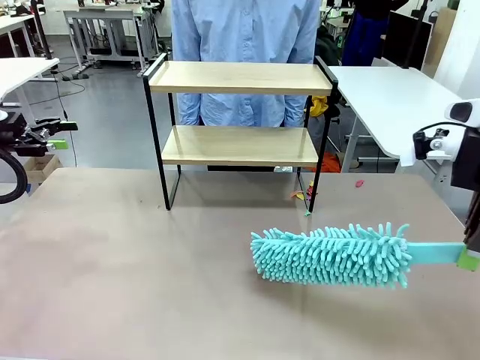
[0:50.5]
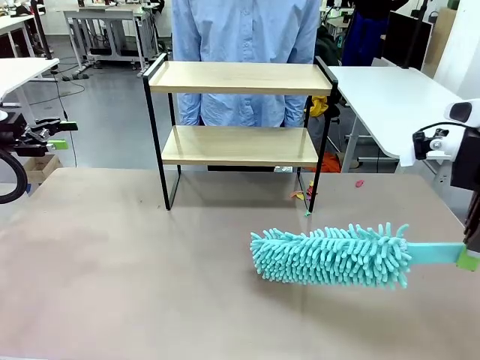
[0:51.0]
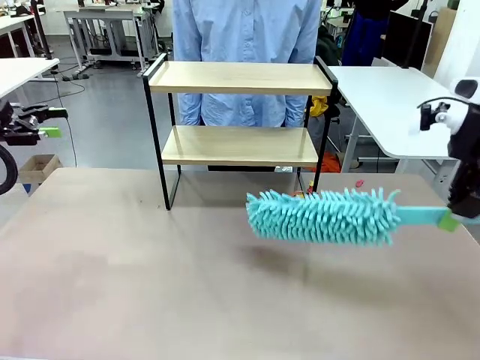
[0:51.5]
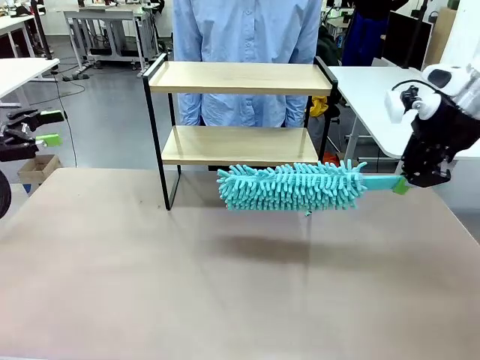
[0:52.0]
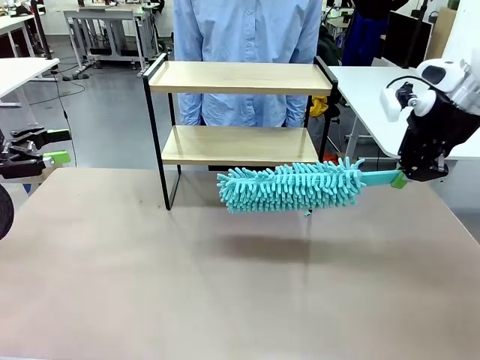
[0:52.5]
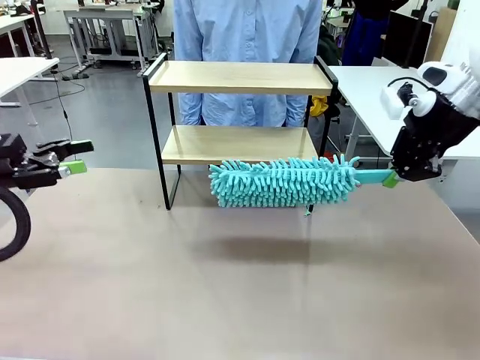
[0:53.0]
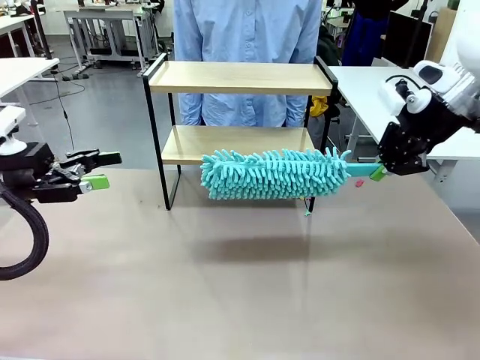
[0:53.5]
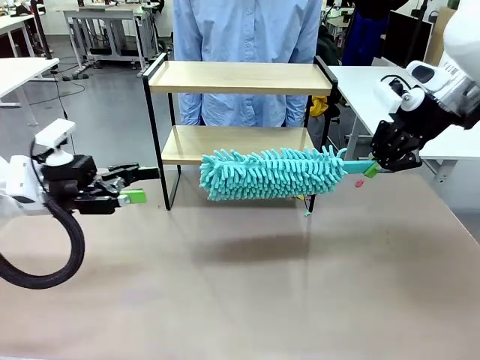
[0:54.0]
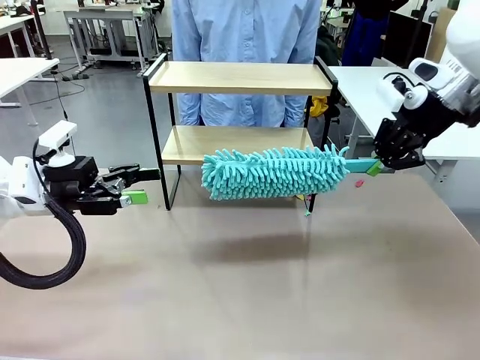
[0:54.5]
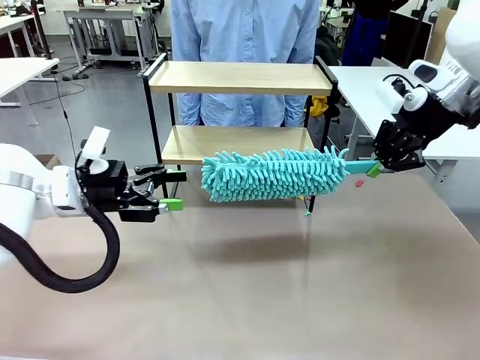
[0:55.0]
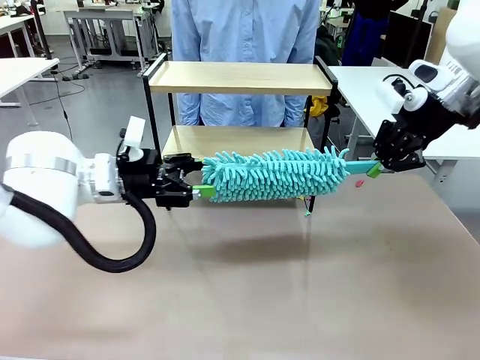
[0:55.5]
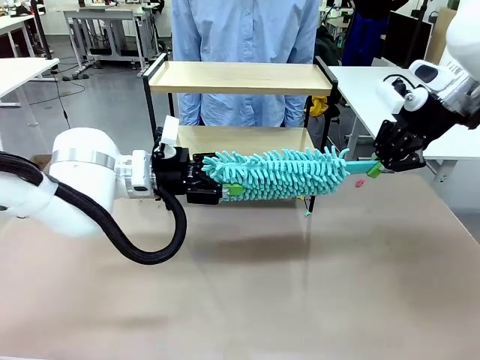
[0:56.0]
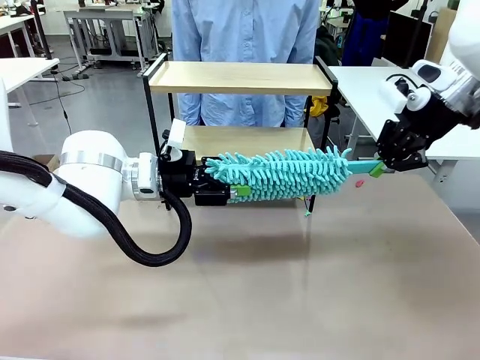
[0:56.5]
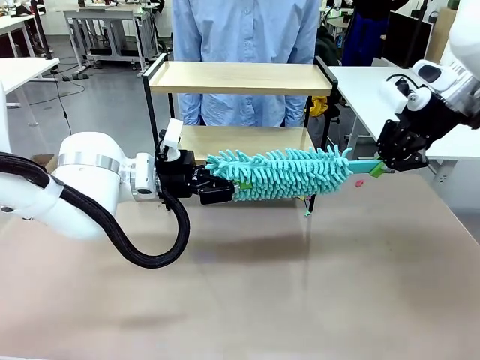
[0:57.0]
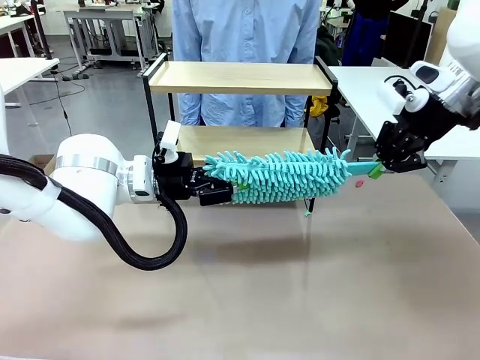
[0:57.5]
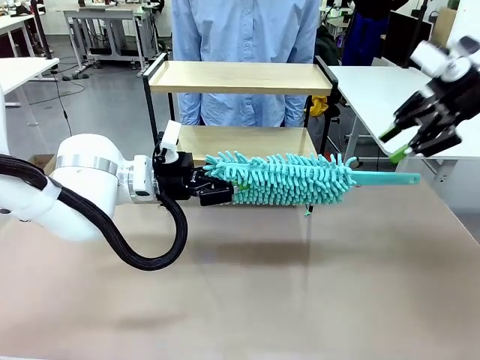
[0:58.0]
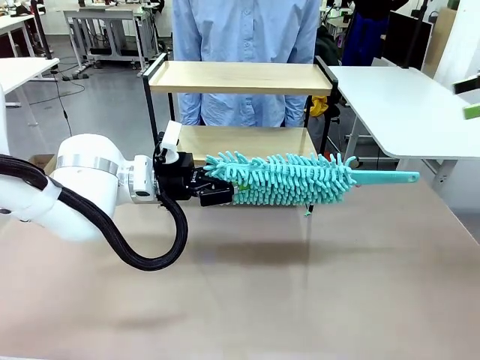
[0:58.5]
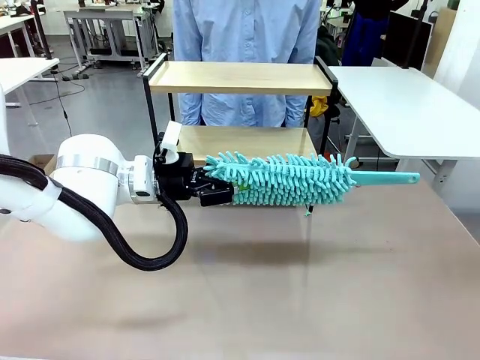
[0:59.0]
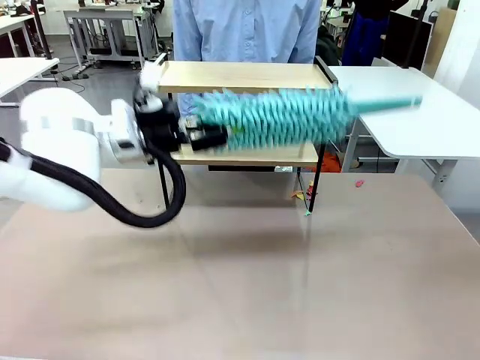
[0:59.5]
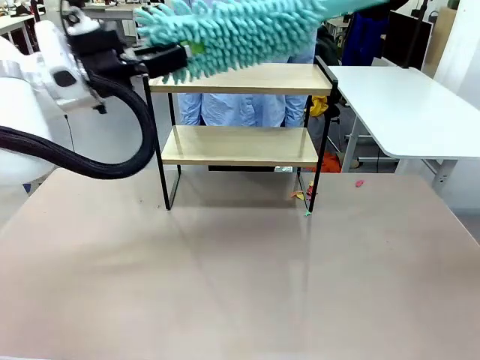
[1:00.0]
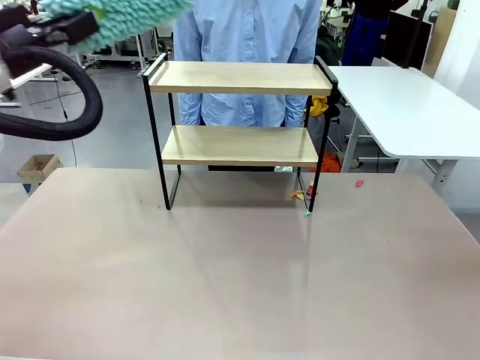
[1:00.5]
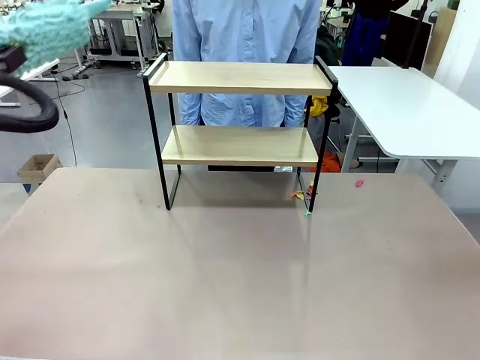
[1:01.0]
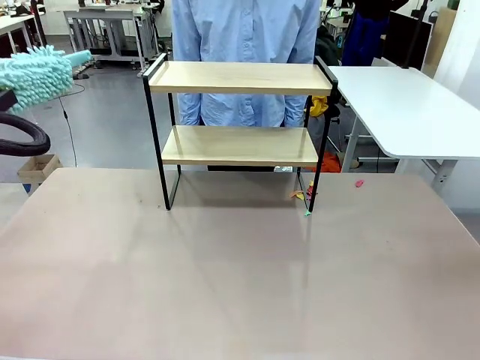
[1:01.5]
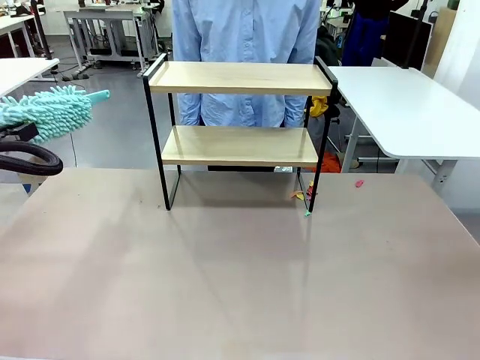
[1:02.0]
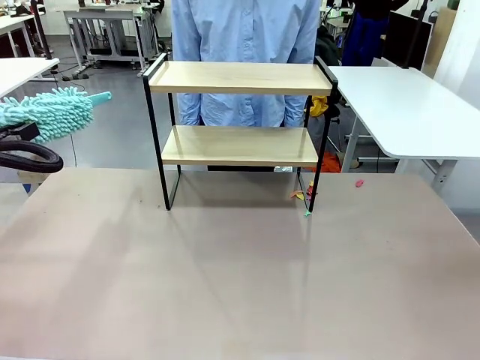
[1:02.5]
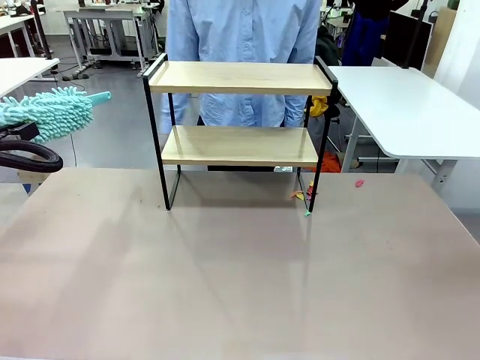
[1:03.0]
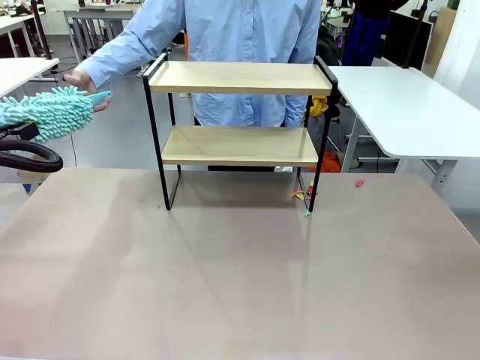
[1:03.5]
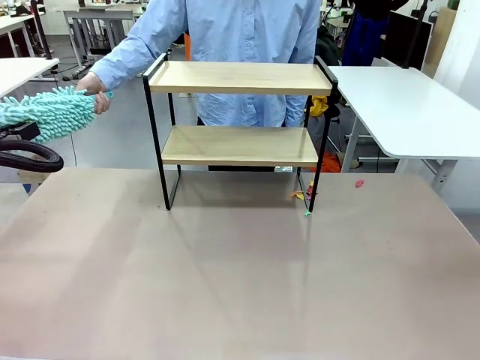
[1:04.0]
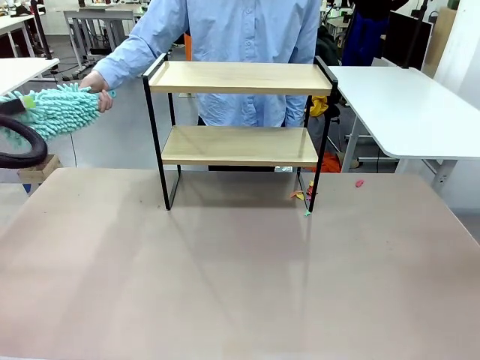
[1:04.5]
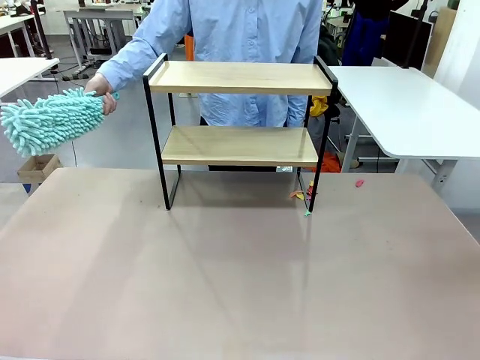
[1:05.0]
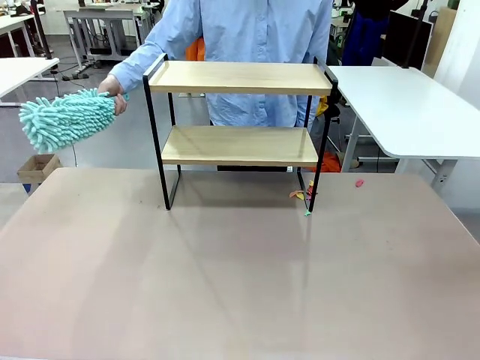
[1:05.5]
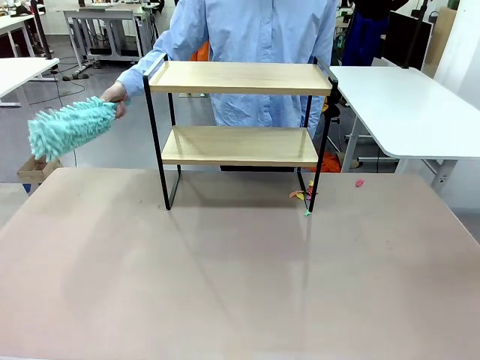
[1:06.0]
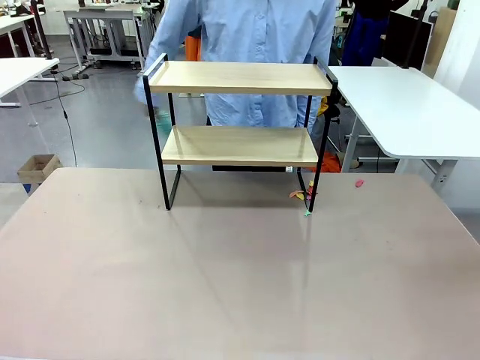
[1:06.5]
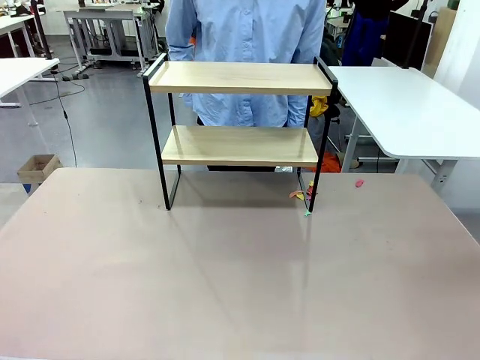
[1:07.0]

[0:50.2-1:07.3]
Task: Clean the shelf.
Robot: Hand the Duster back to the human.
Person: Receive the Duster from the robot.

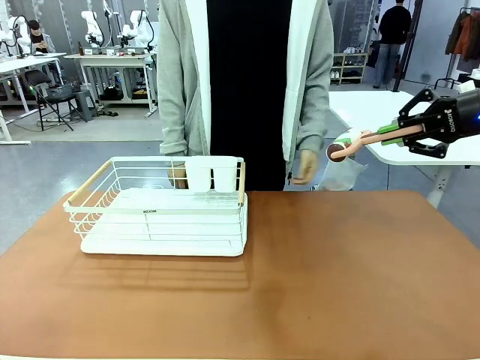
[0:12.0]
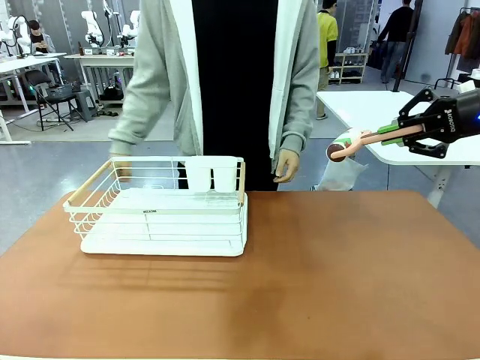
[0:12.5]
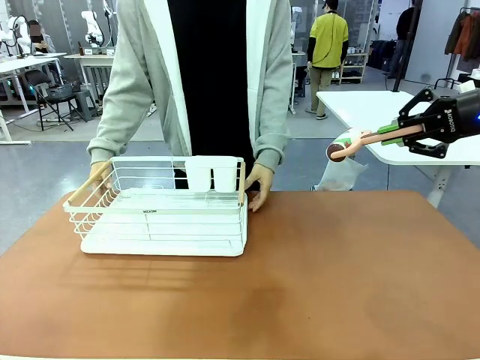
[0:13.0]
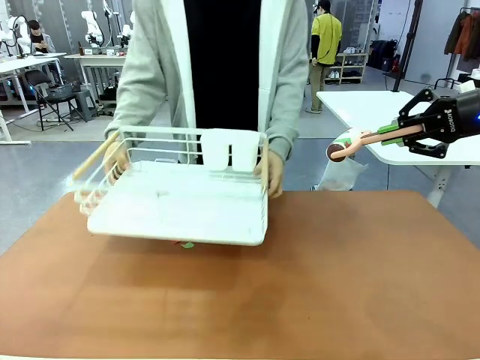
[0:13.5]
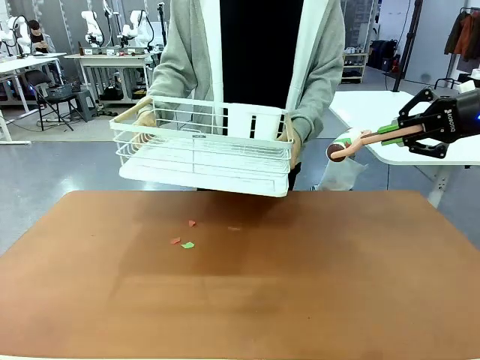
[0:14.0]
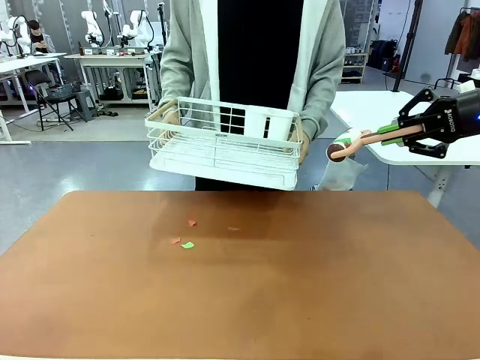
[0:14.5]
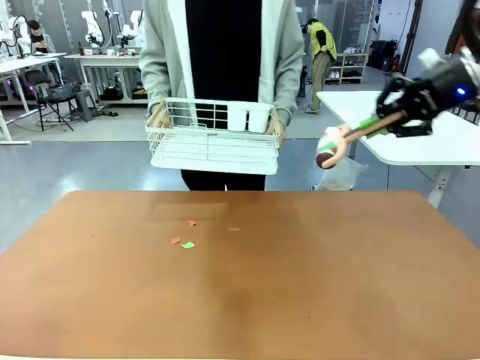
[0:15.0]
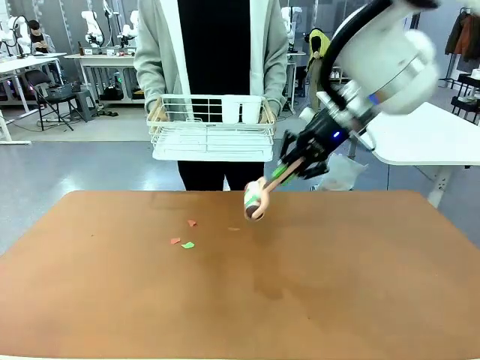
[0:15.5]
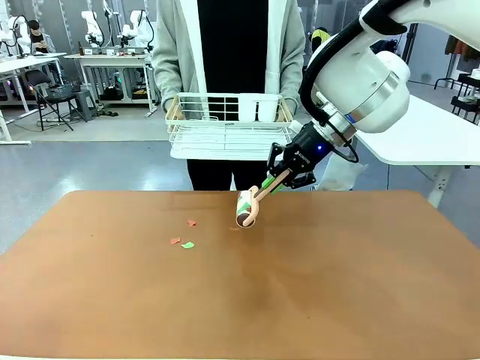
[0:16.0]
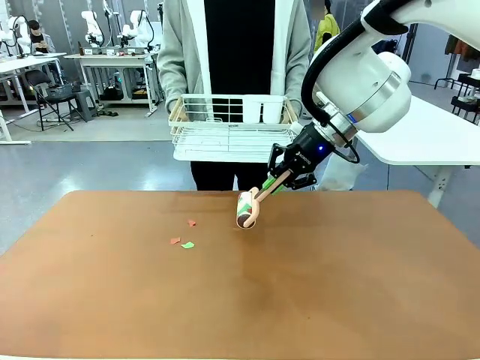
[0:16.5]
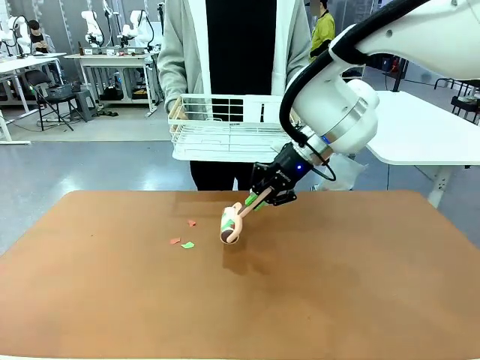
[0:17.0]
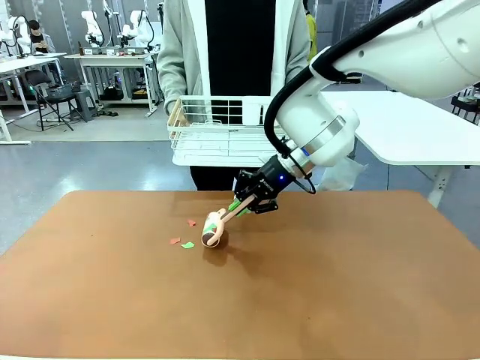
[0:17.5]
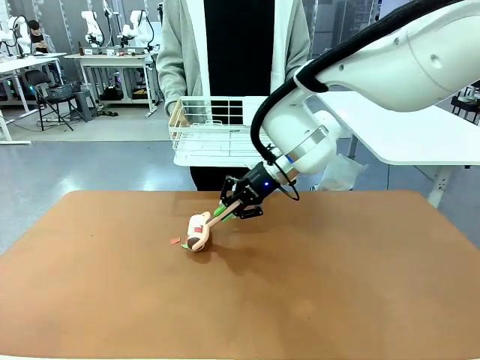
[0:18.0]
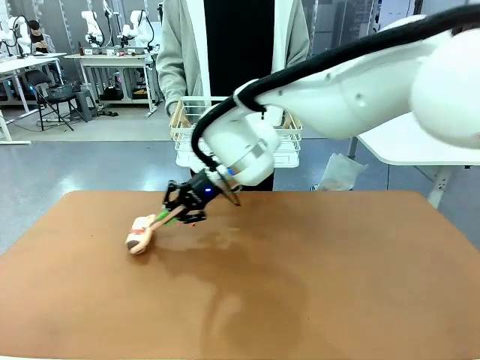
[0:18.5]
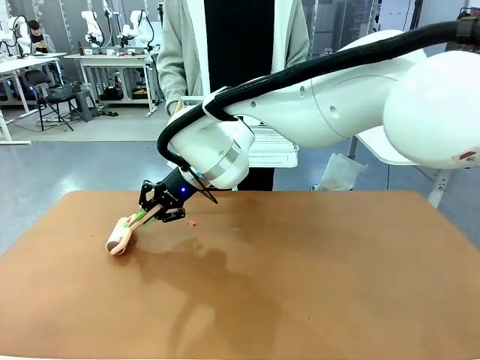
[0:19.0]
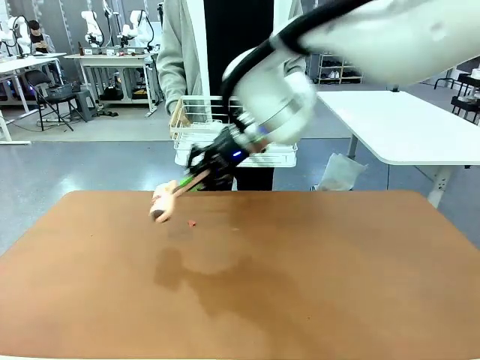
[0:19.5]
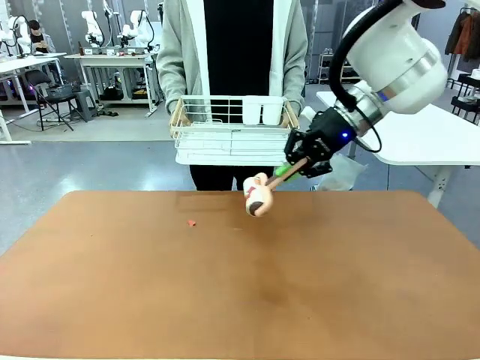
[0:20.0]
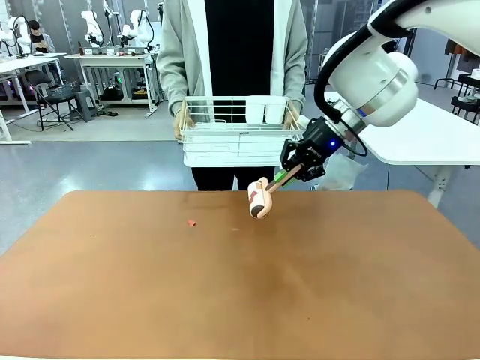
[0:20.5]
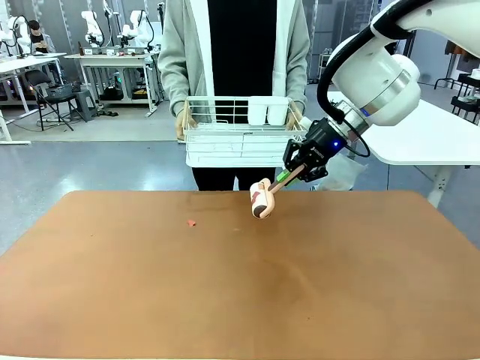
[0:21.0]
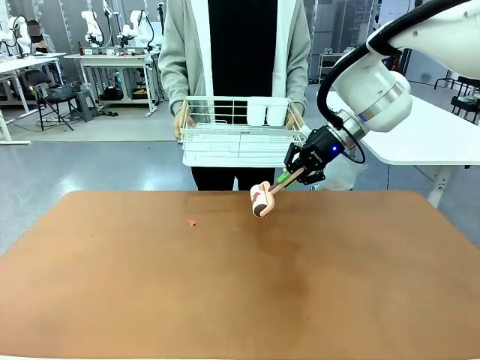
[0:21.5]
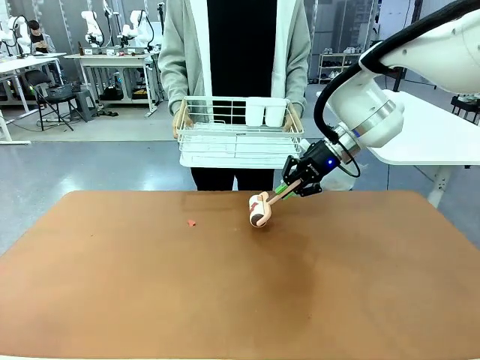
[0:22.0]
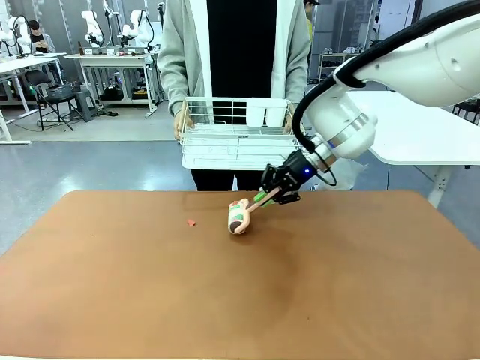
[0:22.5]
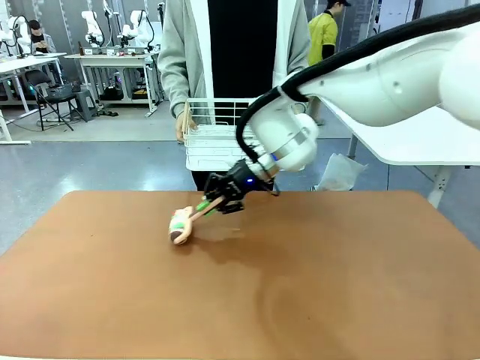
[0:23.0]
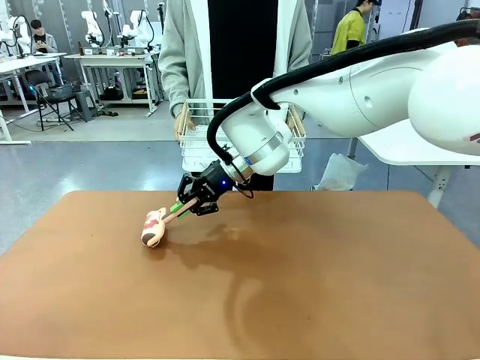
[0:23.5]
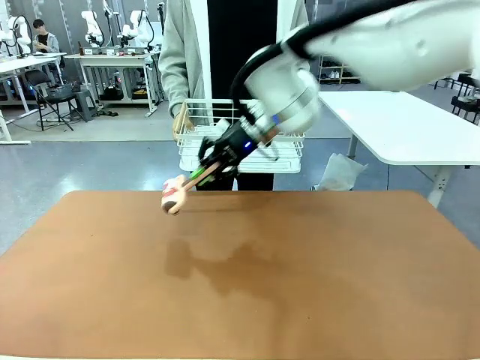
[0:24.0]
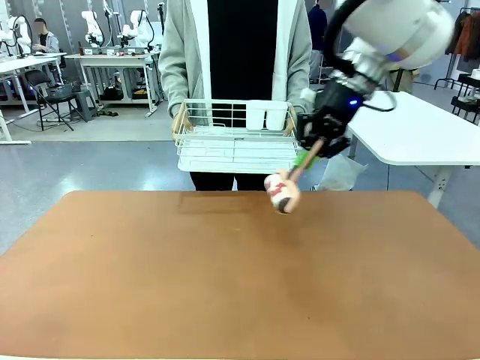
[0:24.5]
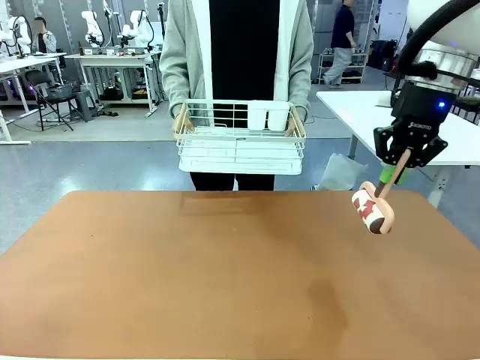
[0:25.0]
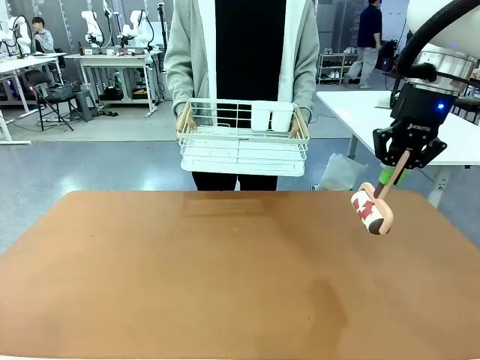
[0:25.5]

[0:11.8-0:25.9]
Task: Clean the table.
Robot: Clean the table with the Lint Roller when the human lifts the Dish drying rack.
Person: Place the Dish drying rack down when the robot finishes cleaning.
